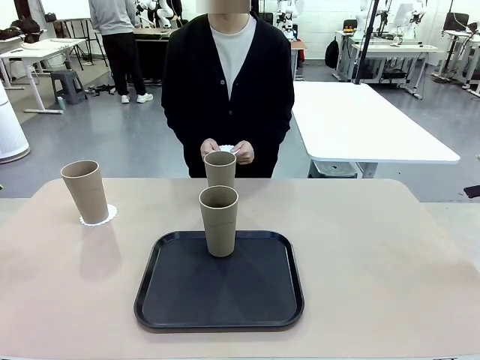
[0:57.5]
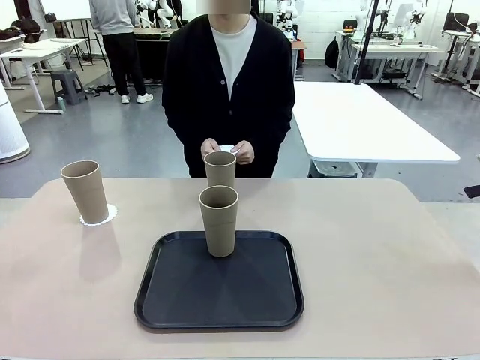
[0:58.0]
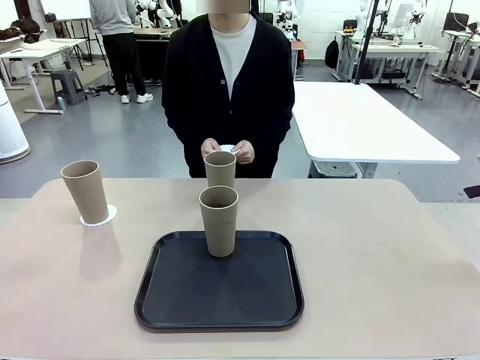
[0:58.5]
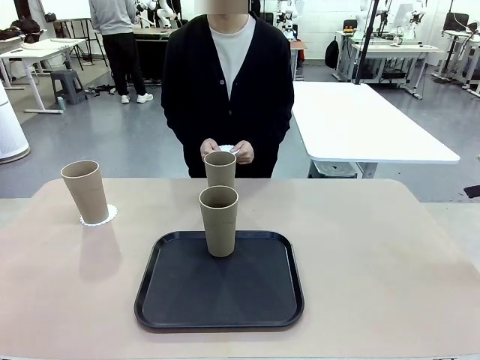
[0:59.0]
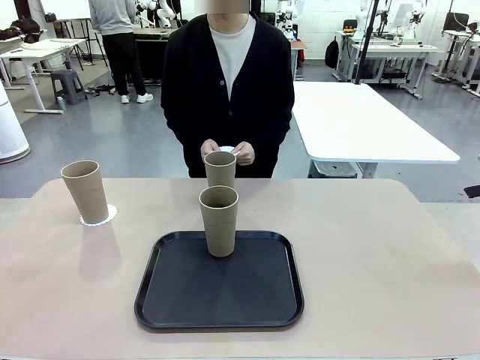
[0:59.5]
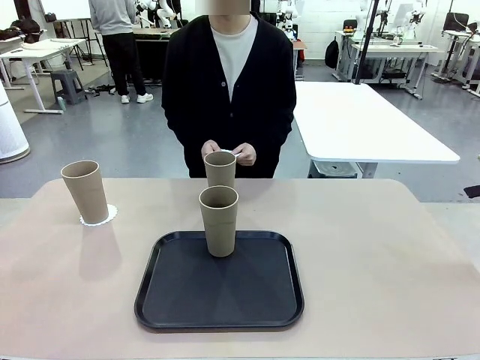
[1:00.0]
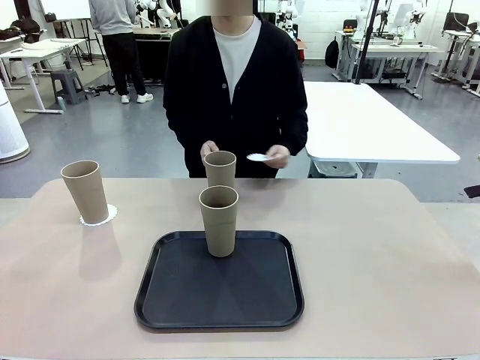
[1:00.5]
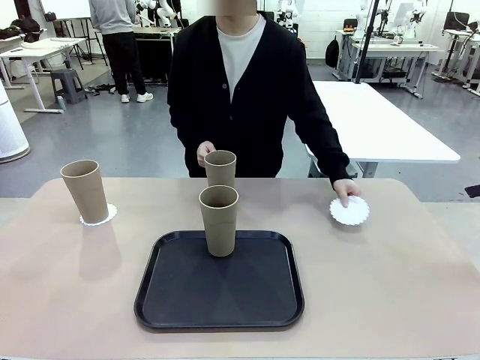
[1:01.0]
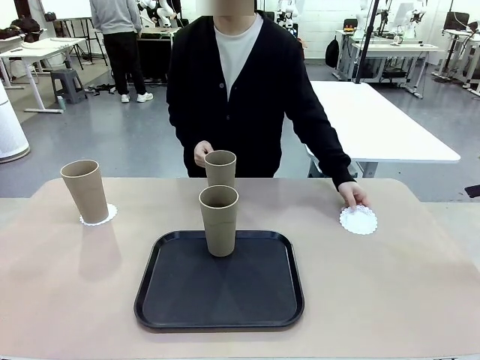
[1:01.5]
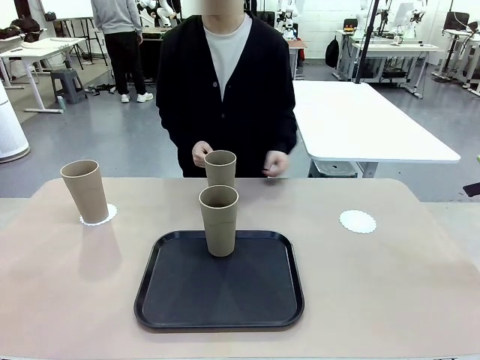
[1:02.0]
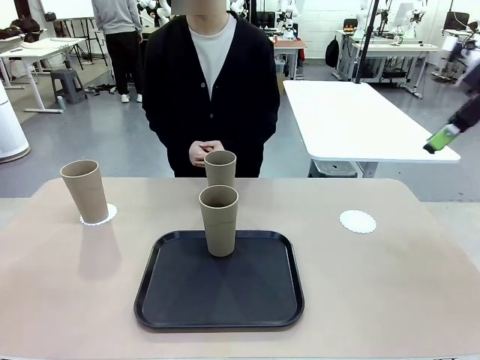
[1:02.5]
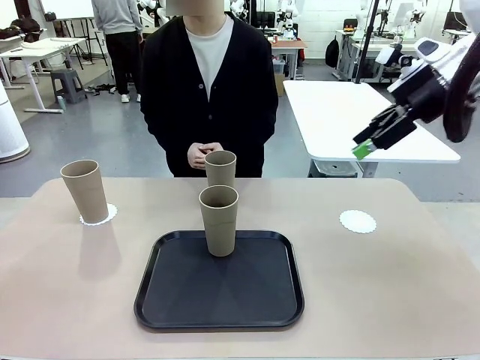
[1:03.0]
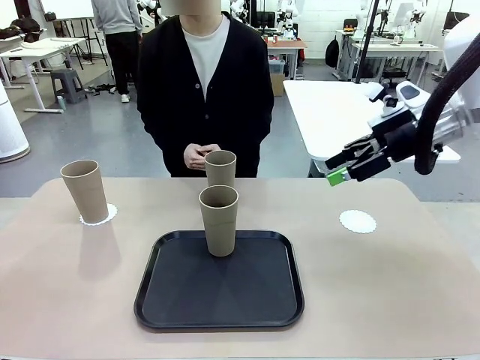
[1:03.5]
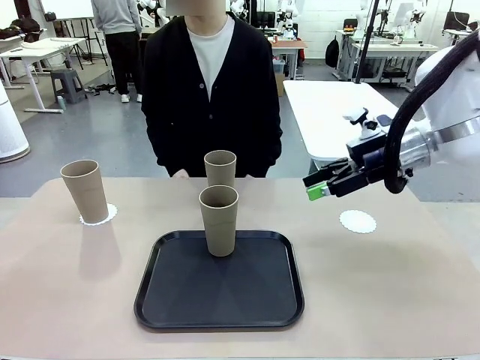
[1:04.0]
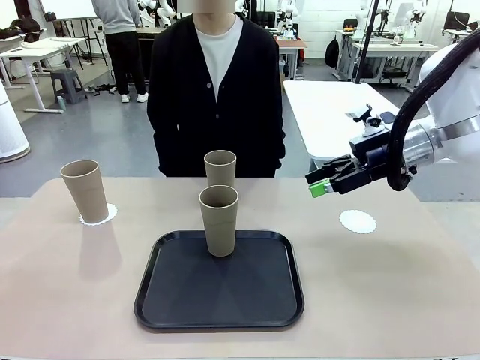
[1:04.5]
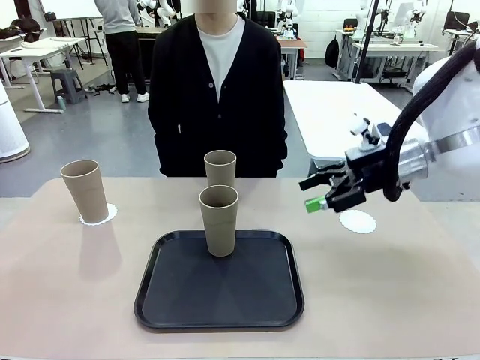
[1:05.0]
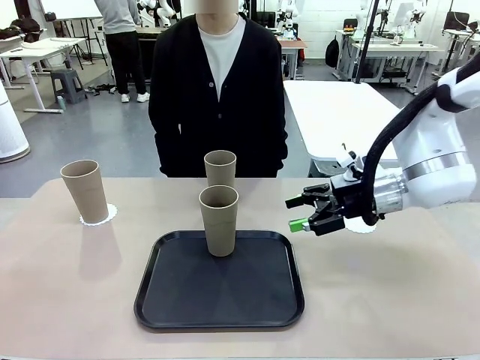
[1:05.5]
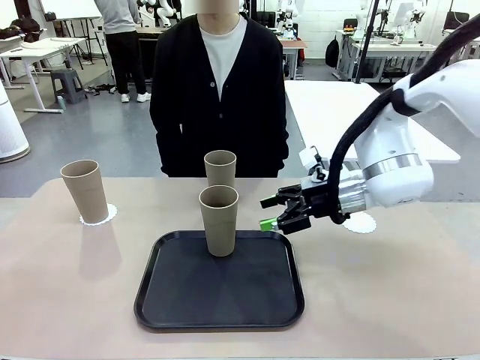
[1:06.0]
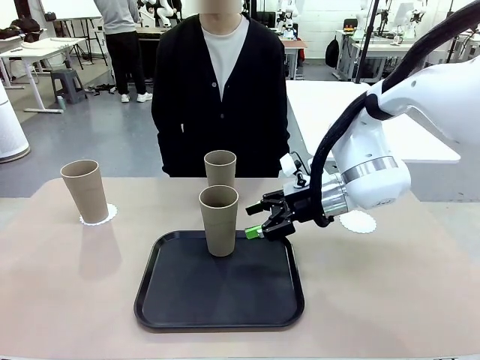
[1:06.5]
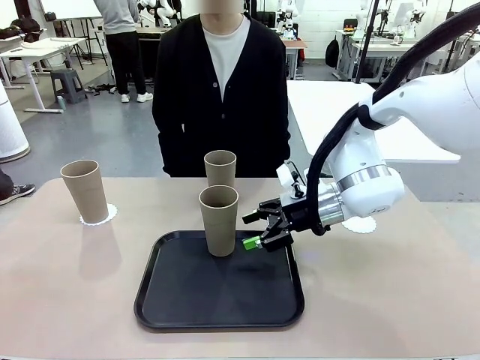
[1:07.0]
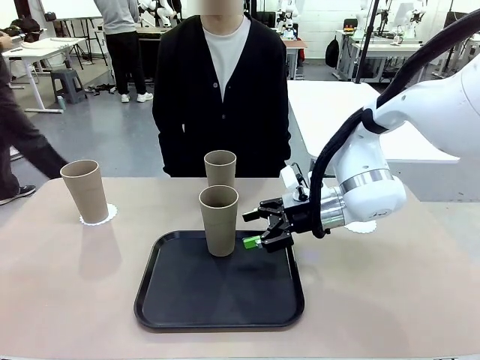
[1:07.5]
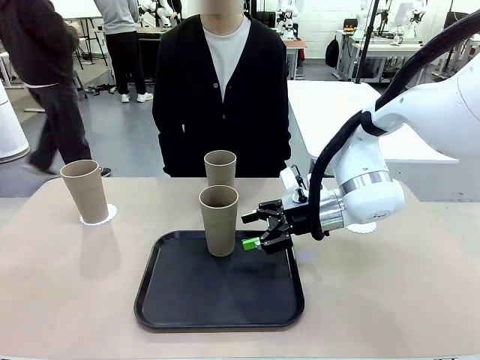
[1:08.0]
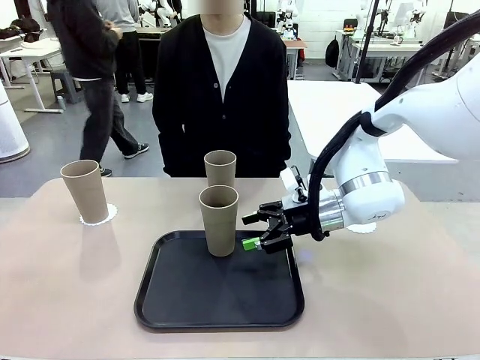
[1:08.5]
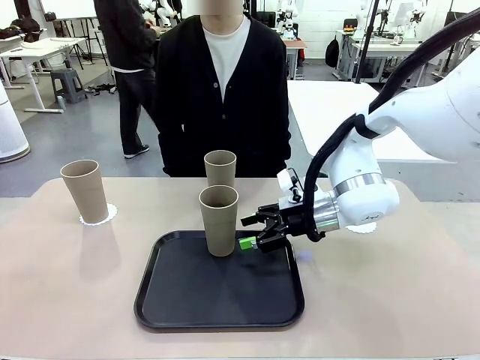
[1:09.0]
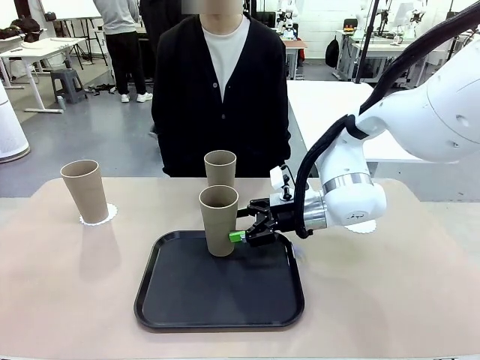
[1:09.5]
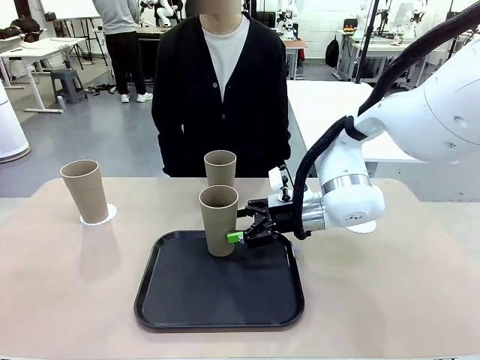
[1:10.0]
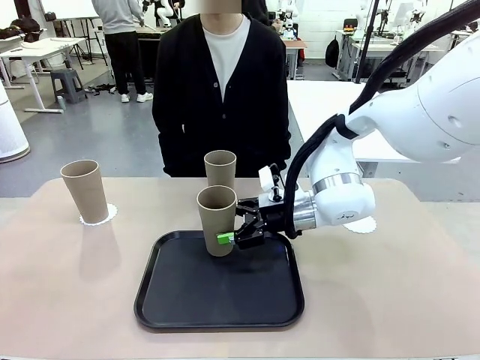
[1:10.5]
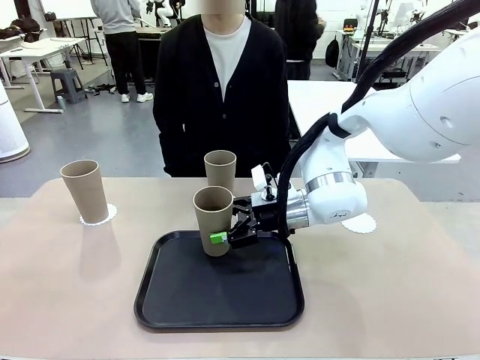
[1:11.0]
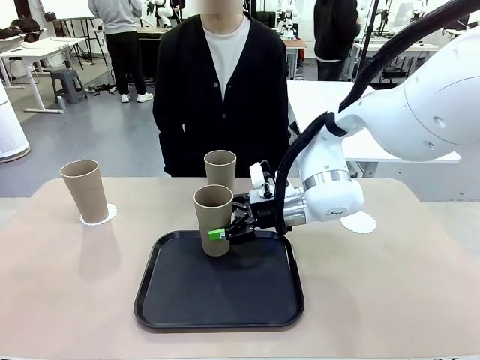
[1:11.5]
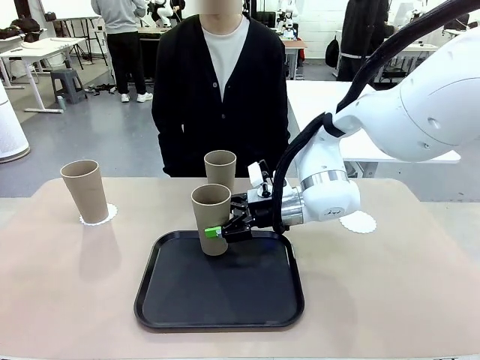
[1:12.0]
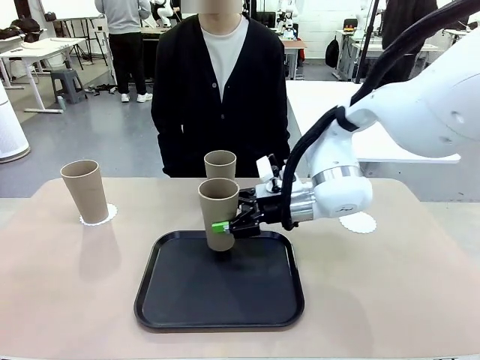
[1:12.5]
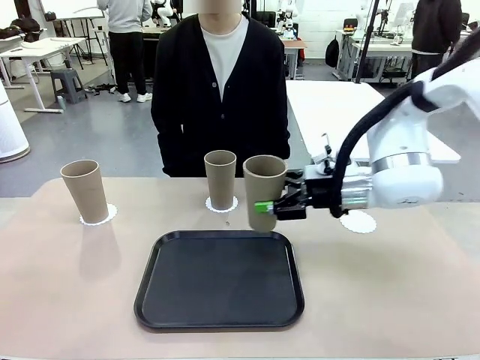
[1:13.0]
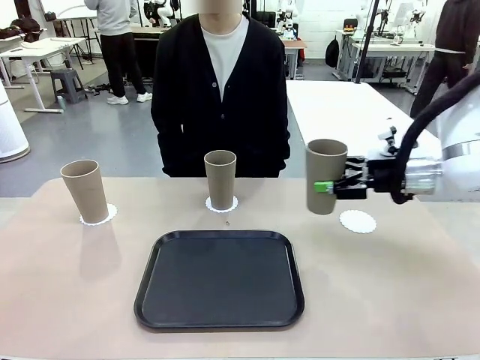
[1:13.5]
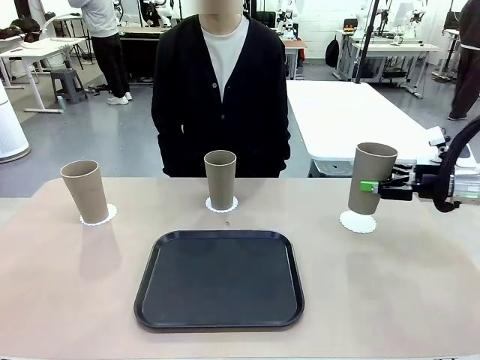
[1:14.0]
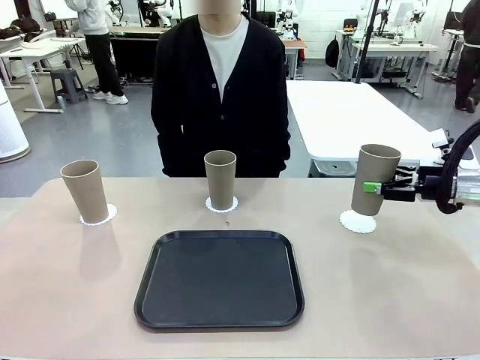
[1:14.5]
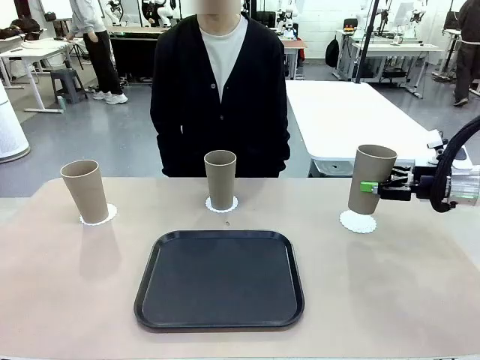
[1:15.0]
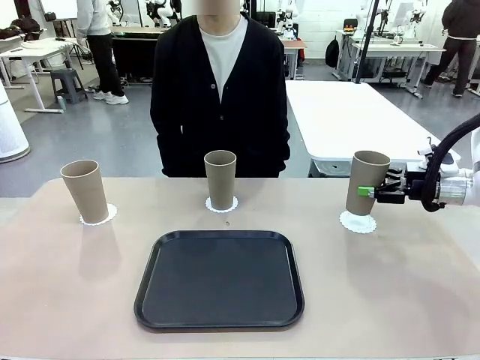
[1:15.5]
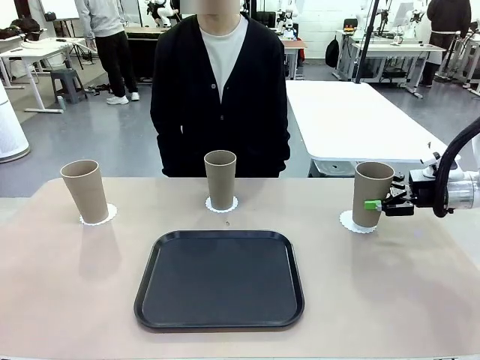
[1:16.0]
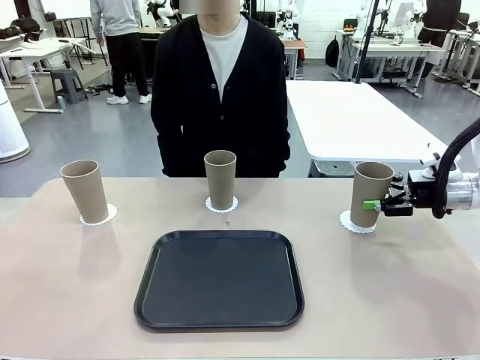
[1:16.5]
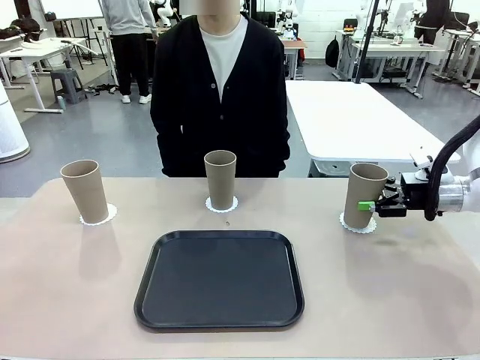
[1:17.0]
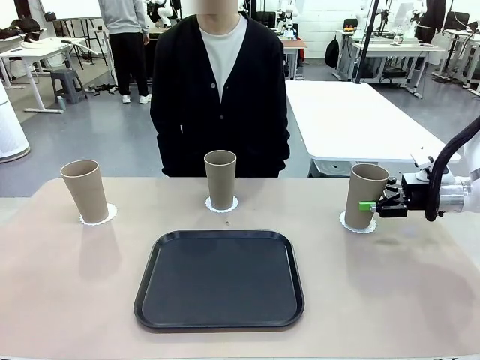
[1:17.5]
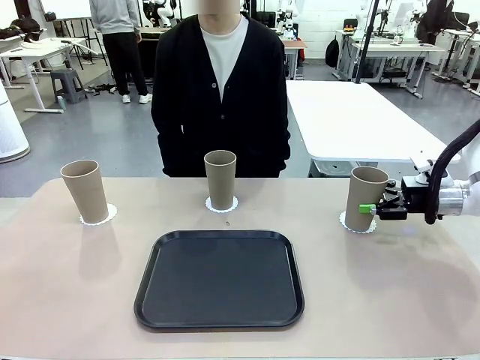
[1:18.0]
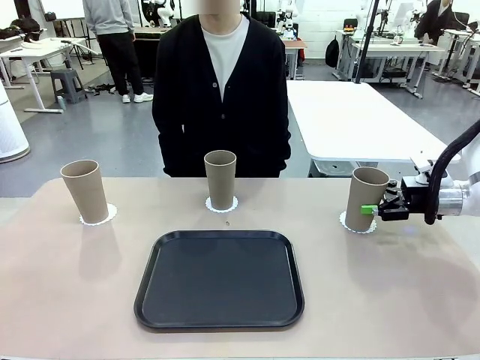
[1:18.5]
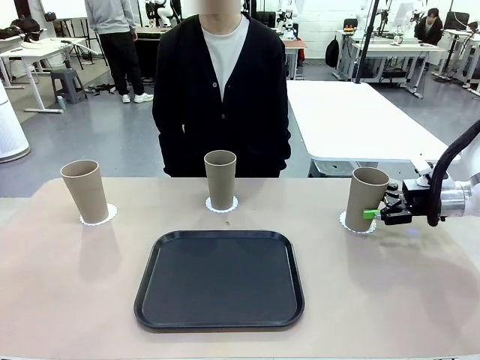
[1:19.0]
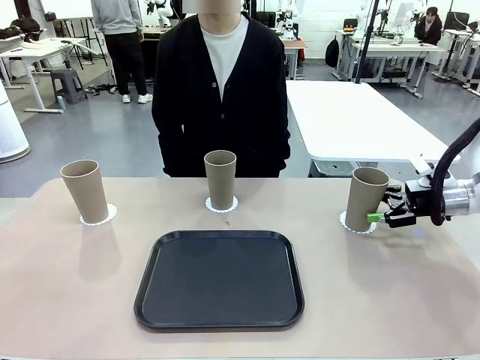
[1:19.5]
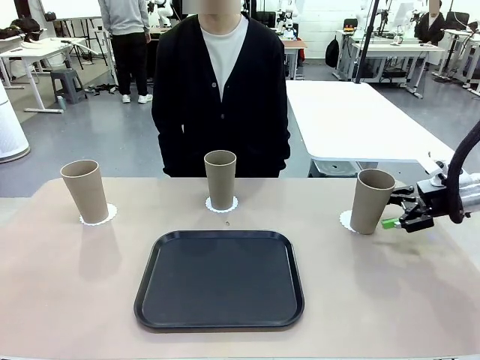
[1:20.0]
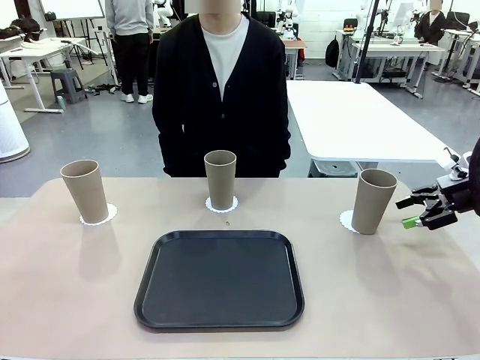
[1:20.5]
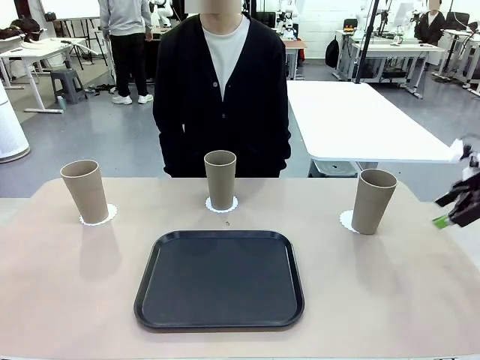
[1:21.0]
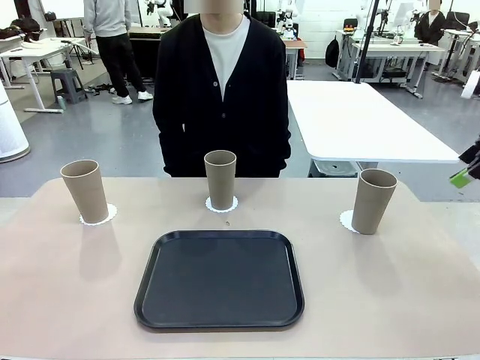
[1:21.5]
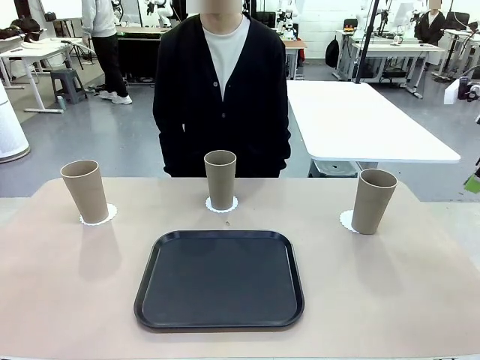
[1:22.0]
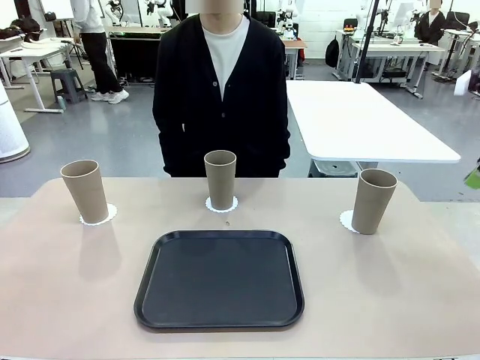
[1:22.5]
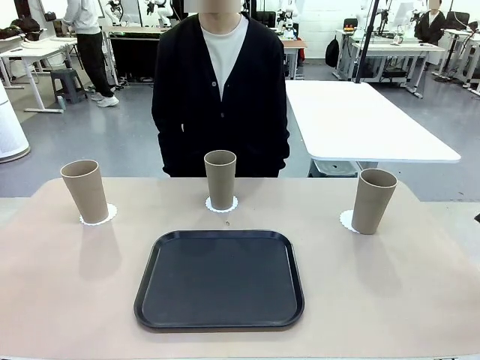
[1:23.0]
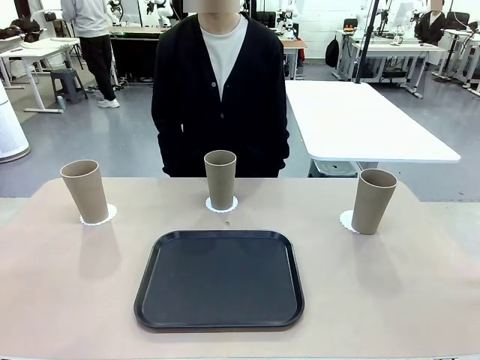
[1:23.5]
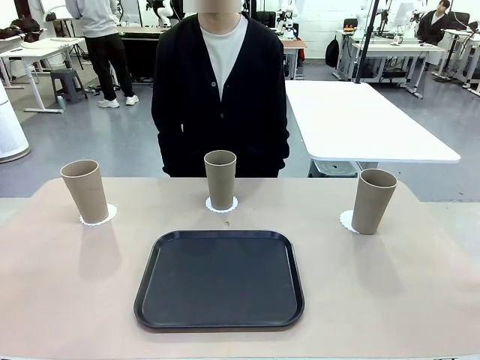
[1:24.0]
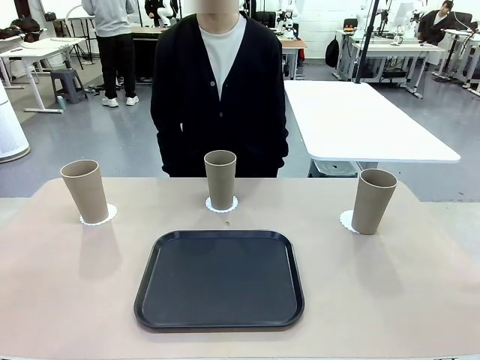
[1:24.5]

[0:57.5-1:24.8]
Task: Place coasters on the table and set cups on them.
Robot: Take one Reusable plastic cup from the Flat Tray and place it on a coaster set by the human.
Person: Place one coaster in the only remaining area.
